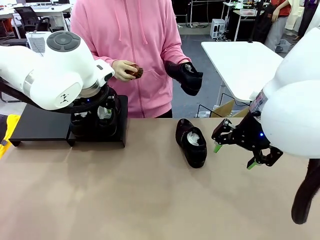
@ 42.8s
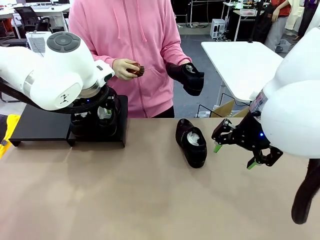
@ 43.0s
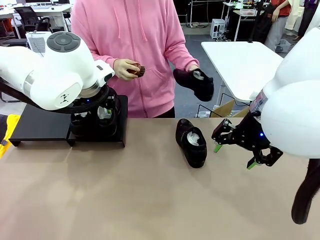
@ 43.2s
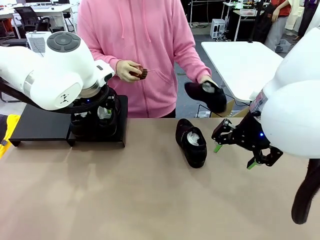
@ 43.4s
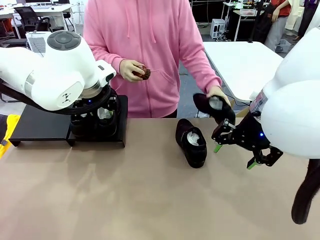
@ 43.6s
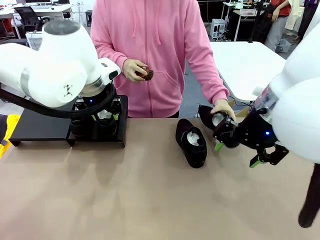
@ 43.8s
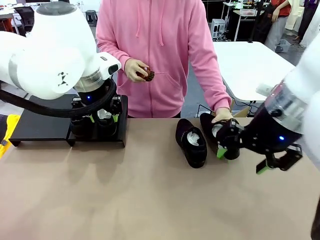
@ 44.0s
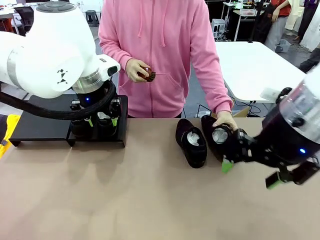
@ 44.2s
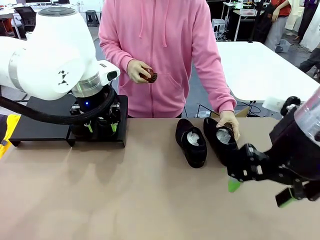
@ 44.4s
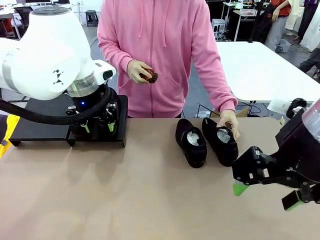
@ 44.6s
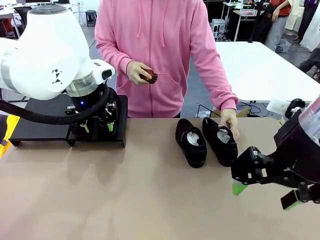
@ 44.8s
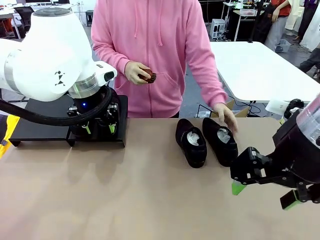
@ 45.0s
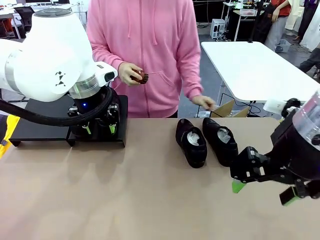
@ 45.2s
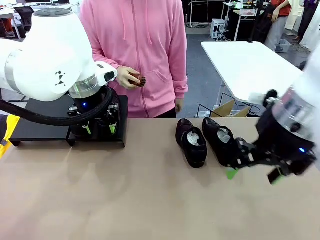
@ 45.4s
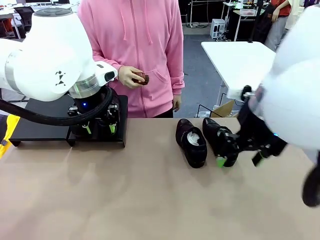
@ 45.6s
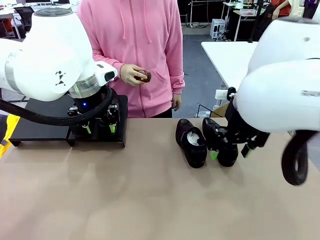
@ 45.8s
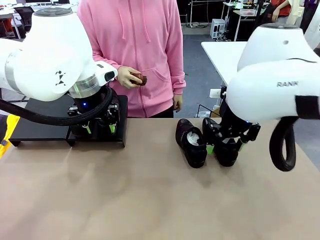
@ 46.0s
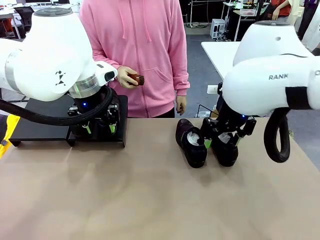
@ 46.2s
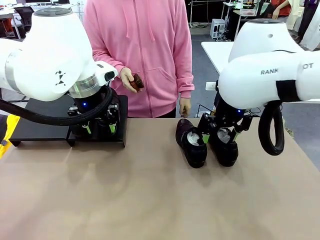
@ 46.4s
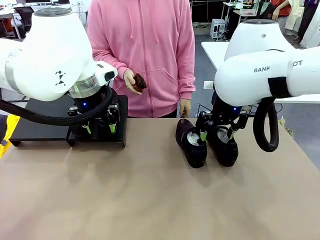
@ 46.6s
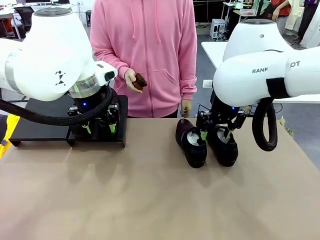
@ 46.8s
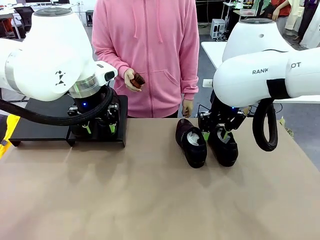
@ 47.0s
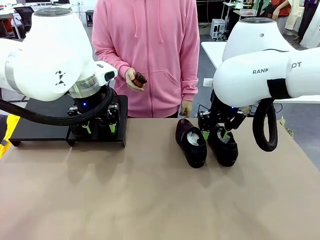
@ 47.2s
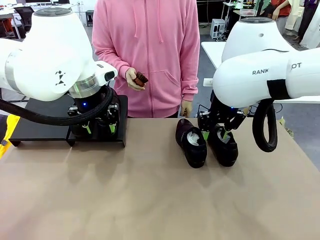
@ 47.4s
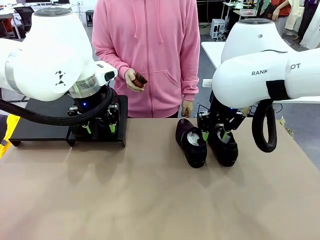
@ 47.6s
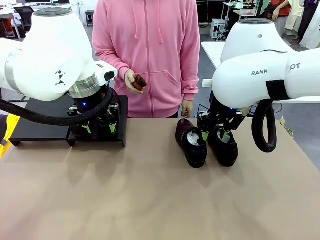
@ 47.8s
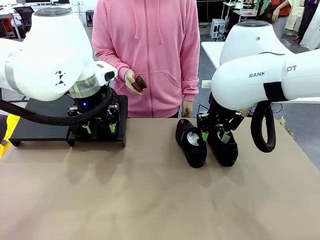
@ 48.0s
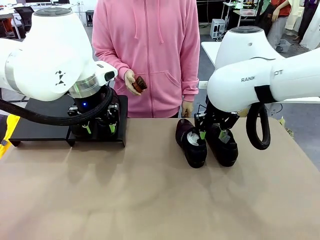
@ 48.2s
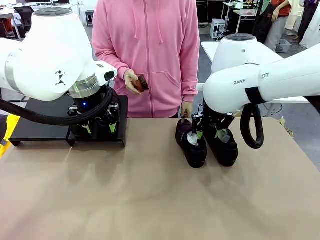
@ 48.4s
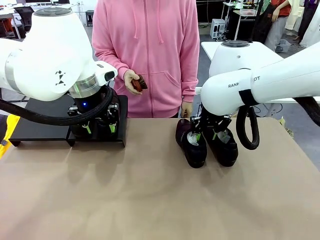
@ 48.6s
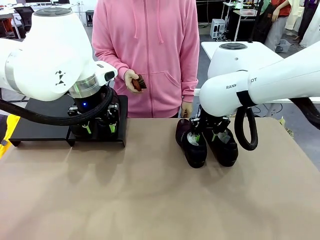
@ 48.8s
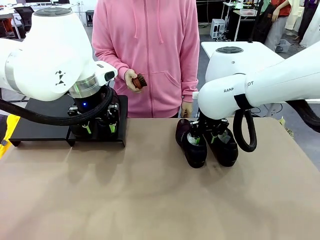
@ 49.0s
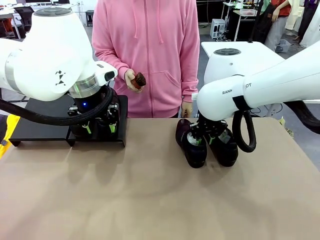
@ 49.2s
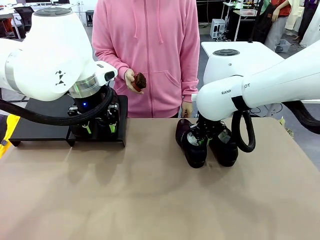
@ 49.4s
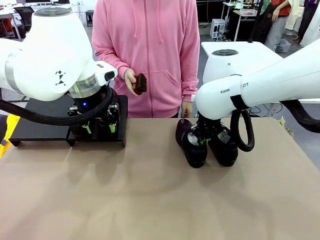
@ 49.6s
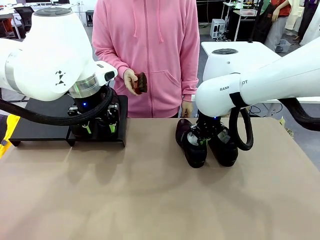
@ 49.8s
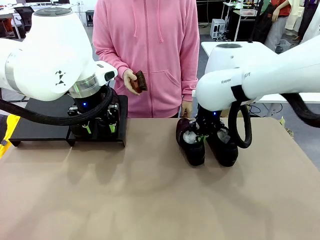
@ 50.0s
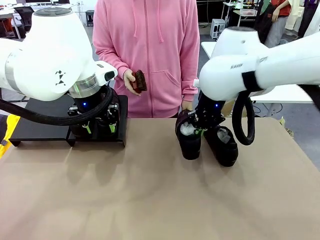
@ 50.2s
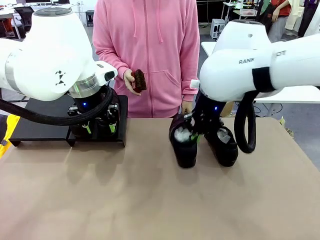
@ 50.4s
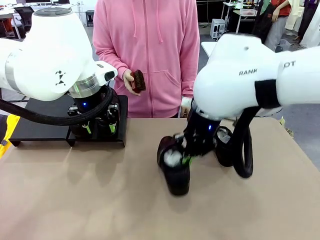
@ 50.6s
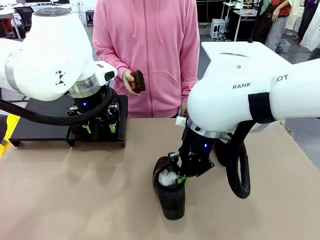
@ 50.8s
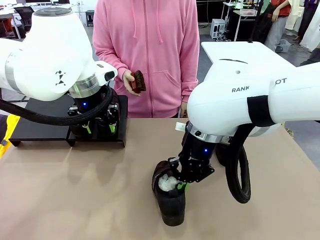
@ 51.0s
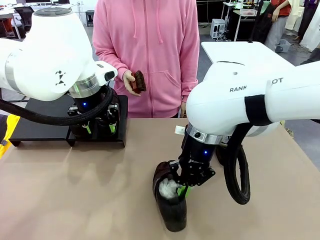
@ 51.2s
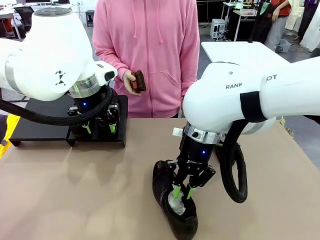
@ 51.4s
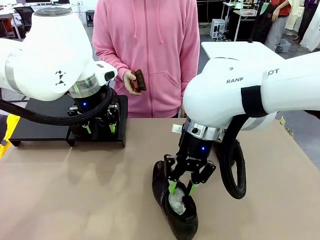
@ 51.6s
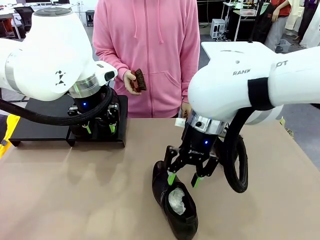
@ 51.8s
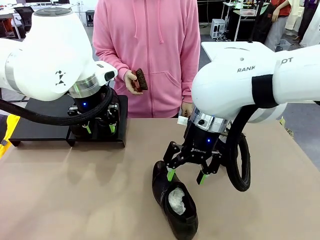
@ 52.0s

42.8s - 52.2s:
Task: Organize the shoes by placing them on the stand.
Robot: Pick up one Shoe and place it in the middle of the table.

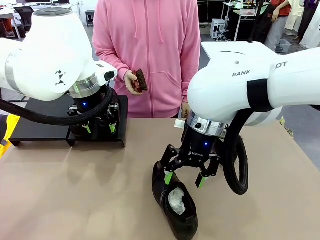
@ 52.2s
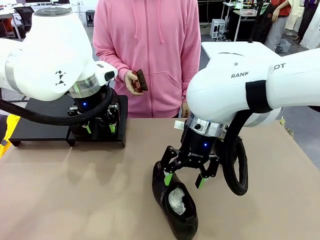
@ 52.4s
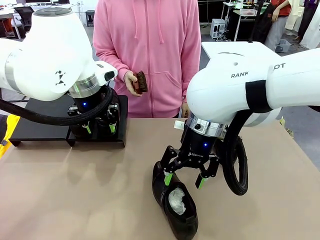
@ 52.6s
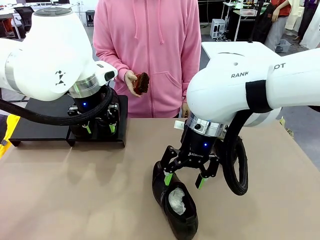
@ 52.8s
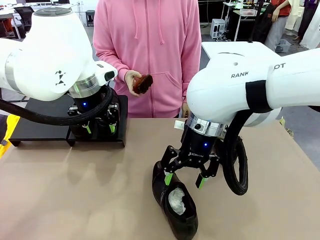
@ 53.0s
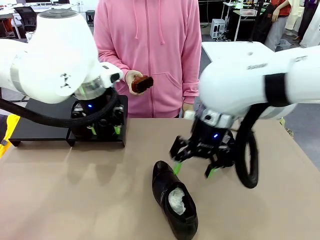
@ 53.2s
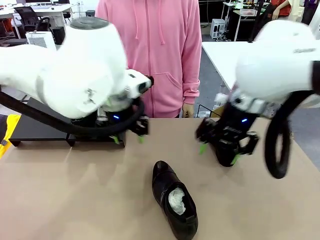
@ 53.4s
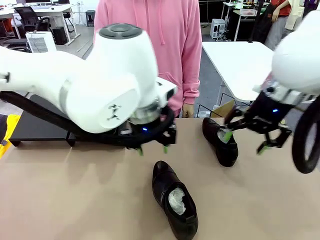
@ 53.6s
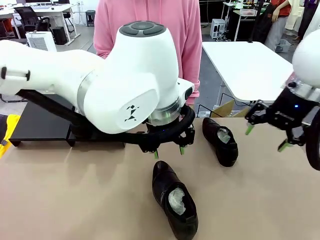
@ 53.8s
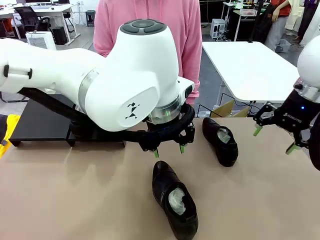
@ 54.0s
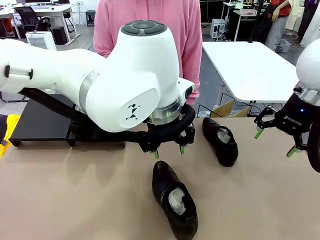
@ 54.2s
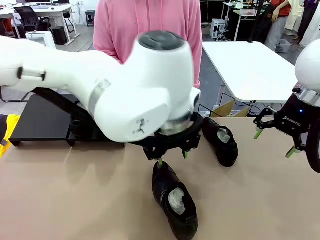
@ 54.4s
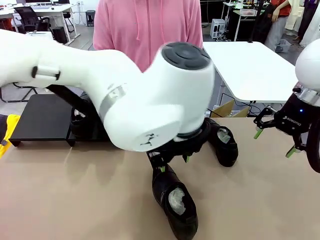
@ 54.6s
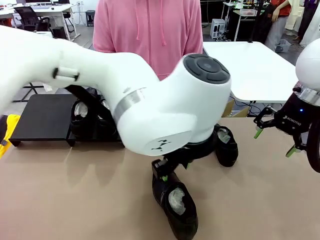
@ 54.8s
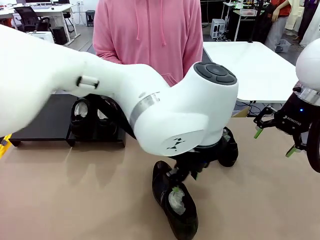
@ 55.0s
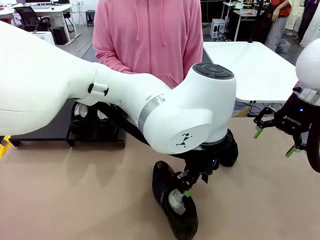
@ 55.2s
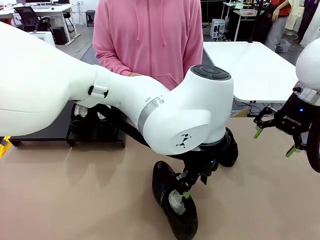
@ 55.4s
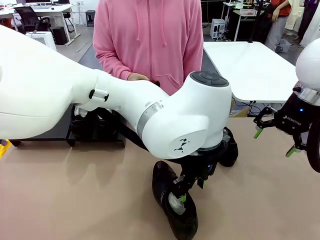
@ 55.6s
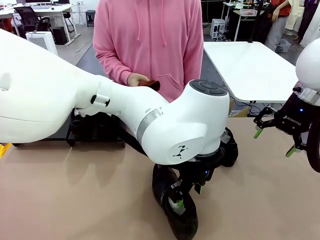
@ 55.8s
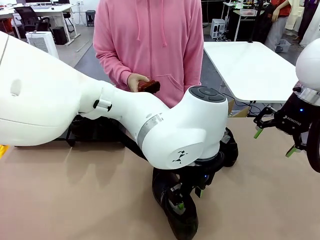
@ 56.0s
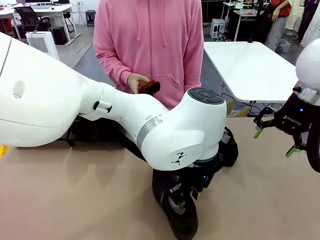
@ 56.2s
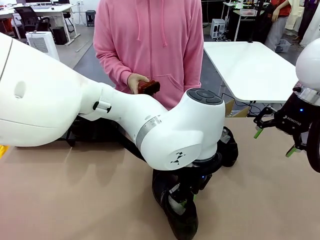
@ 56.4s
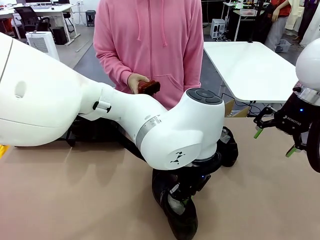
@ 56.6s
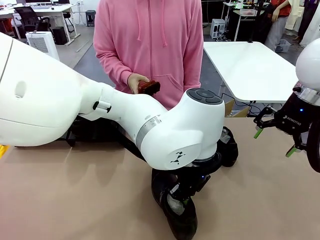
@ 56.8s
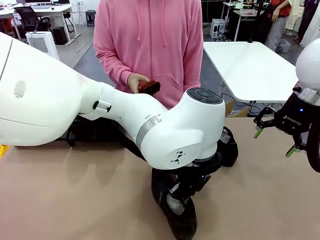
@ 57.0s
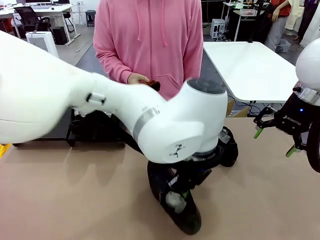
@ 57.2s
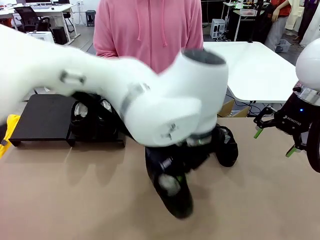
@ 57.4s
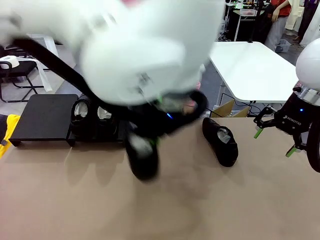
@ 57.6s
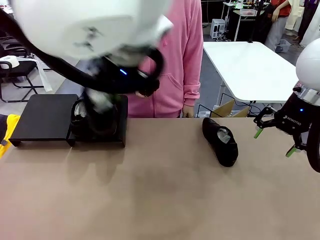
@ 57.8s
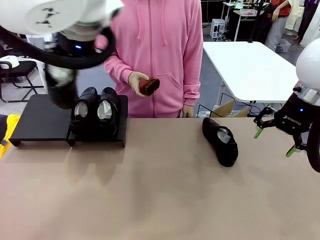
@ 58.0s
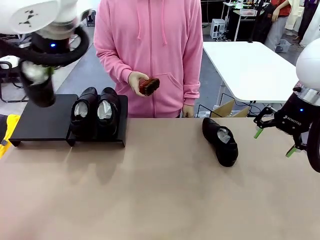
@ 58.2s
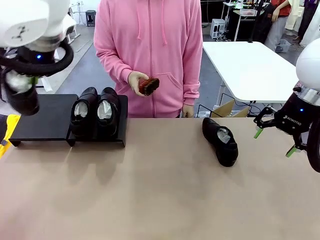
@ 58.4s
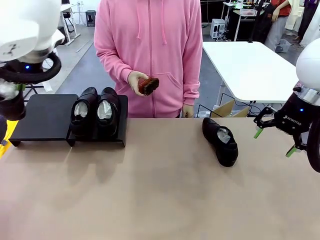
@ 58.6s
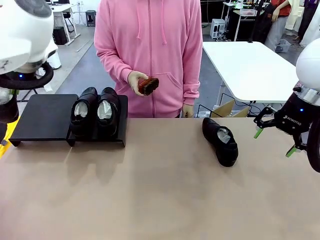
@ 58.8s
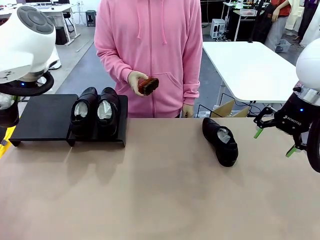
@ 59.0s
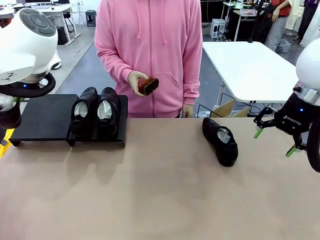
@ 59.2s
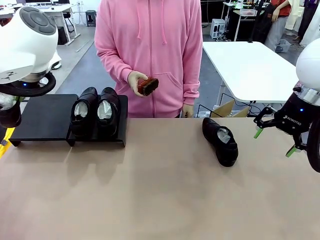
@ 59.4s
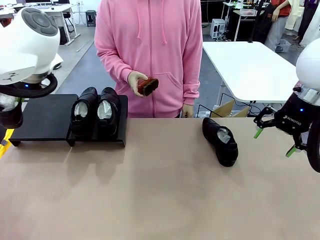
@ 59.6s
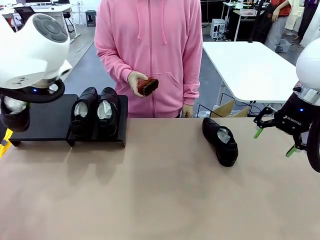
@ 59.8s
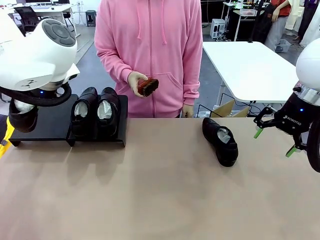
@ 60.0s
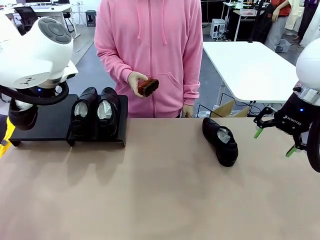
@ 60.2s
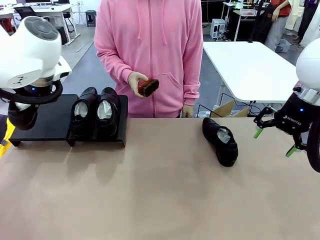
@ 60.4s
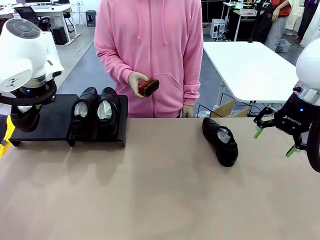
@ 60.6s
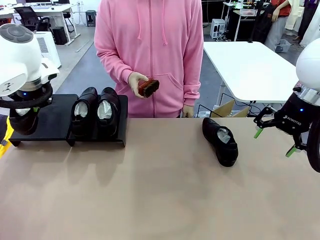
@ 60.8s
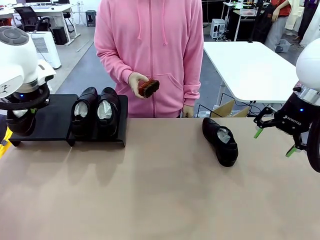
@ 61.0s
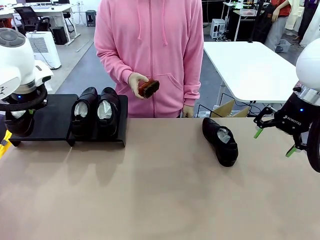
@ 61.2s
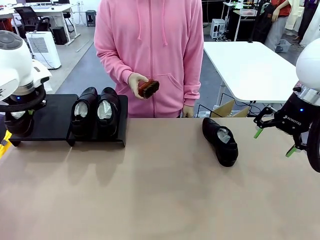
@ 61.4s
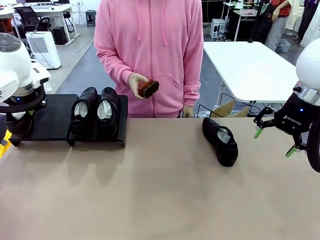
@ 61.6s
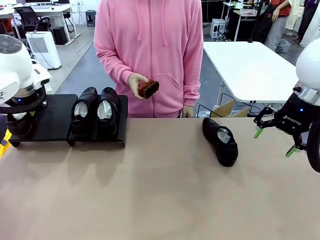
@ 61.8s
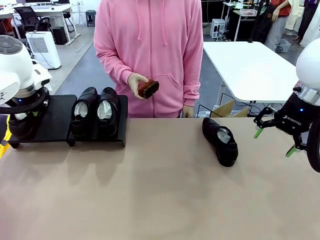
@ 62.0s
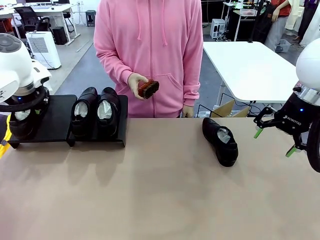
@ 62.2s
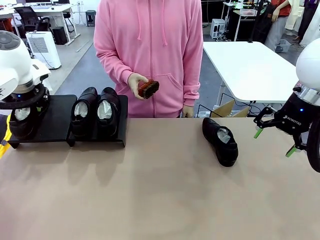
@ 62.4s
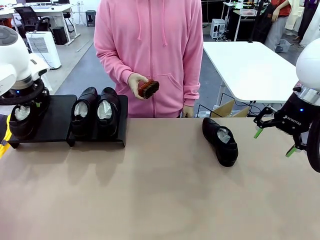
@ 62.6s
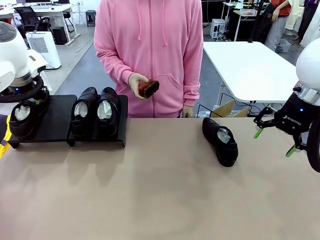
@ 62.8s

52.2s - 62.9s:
Robot: Place the Shoe from the middle of the table onto the Shoes Stand.
